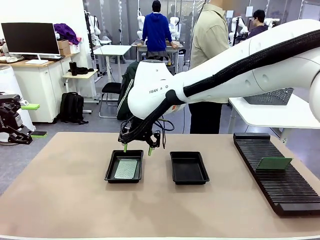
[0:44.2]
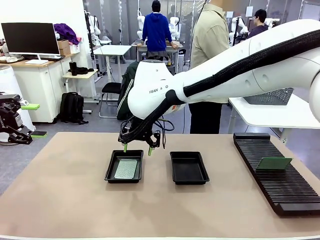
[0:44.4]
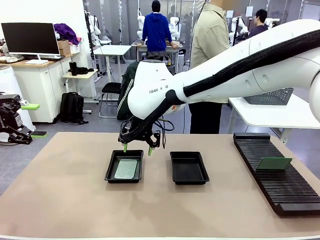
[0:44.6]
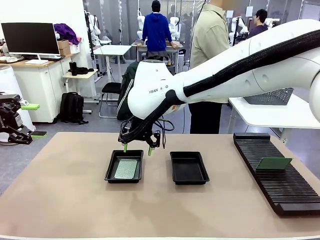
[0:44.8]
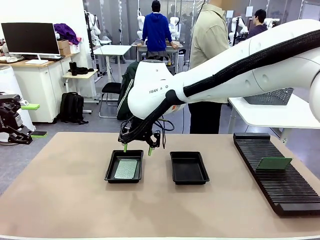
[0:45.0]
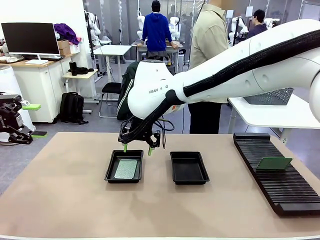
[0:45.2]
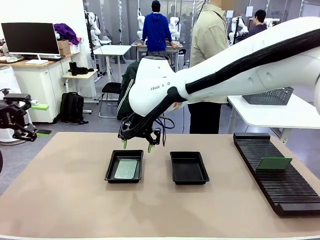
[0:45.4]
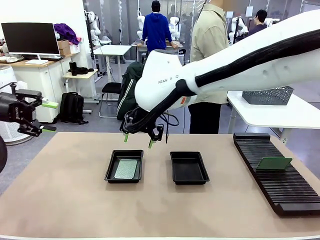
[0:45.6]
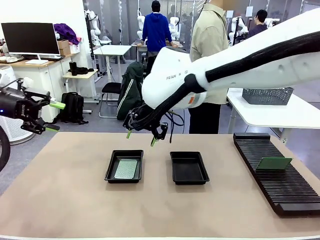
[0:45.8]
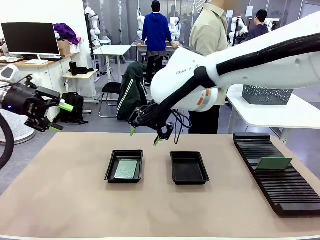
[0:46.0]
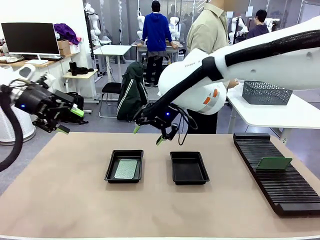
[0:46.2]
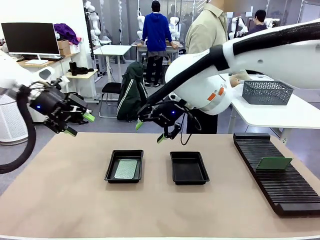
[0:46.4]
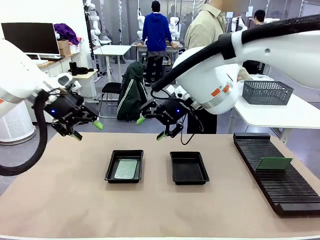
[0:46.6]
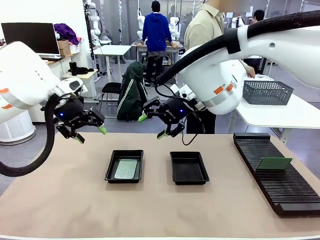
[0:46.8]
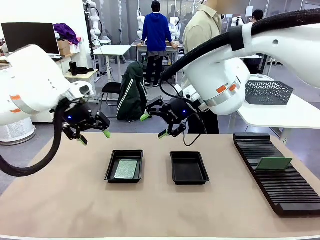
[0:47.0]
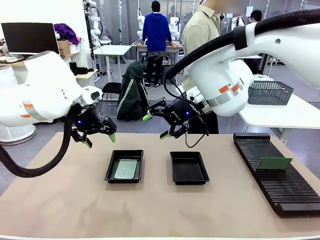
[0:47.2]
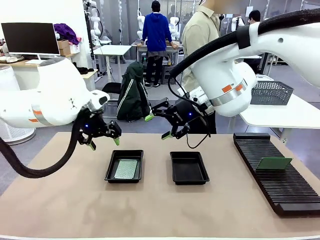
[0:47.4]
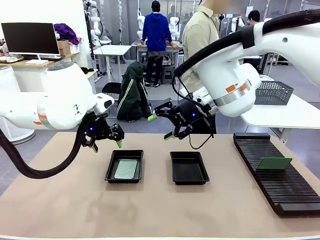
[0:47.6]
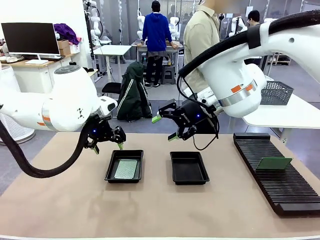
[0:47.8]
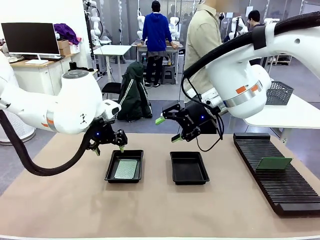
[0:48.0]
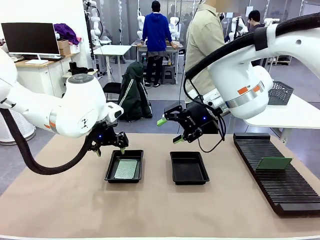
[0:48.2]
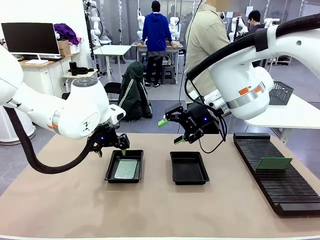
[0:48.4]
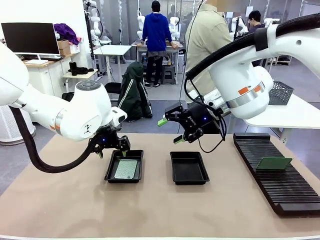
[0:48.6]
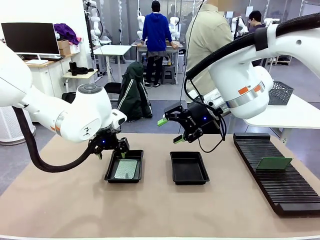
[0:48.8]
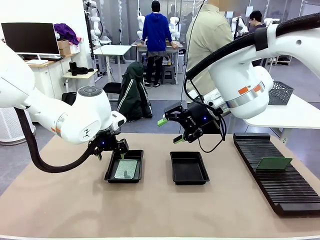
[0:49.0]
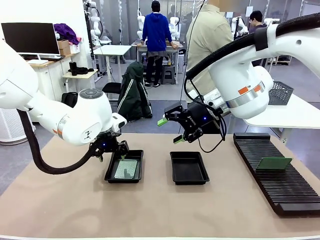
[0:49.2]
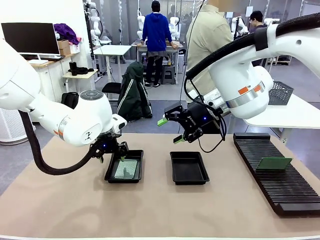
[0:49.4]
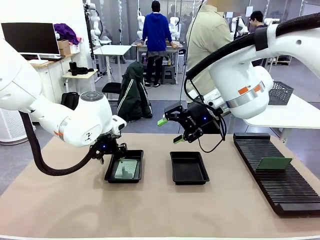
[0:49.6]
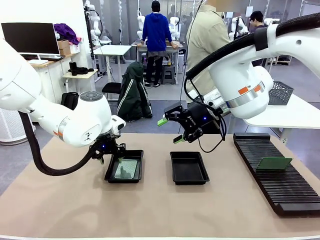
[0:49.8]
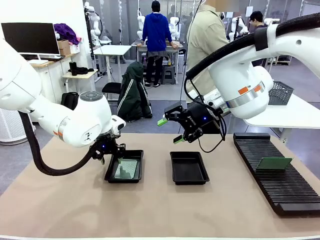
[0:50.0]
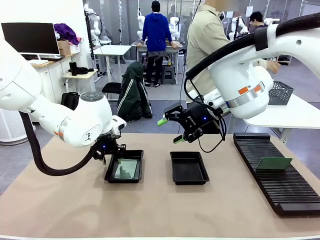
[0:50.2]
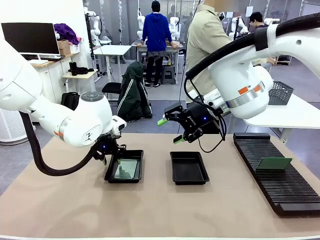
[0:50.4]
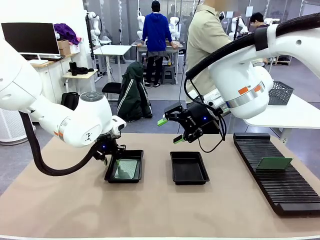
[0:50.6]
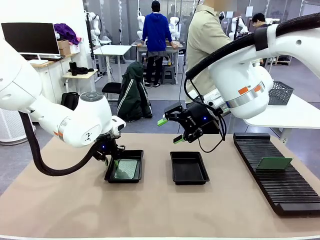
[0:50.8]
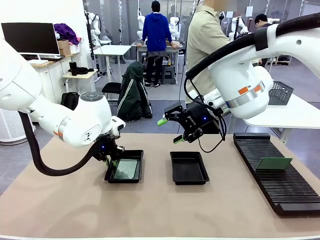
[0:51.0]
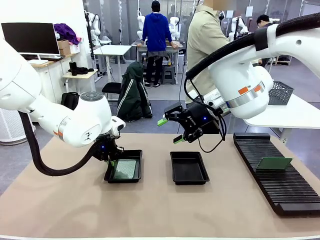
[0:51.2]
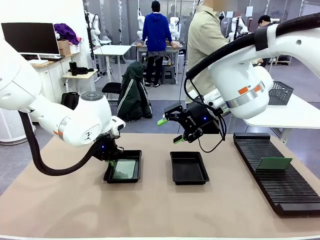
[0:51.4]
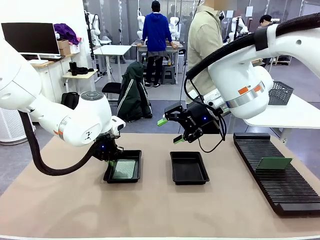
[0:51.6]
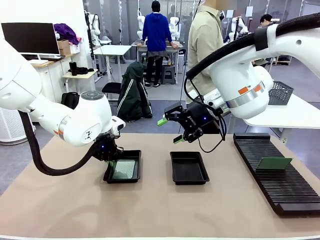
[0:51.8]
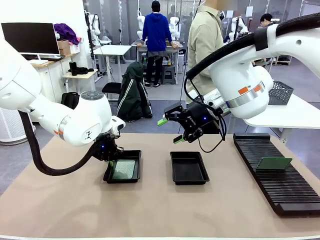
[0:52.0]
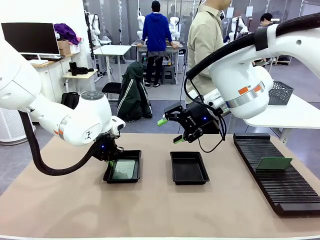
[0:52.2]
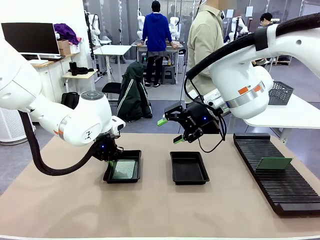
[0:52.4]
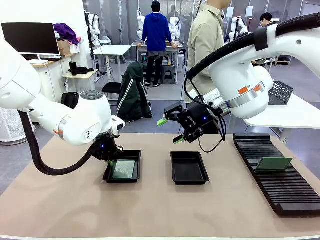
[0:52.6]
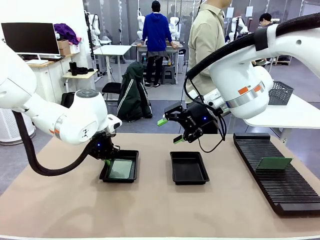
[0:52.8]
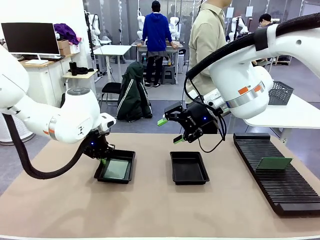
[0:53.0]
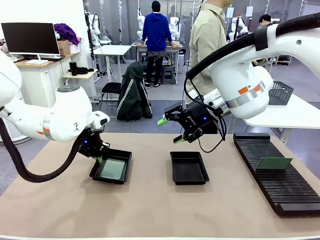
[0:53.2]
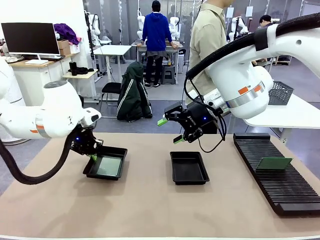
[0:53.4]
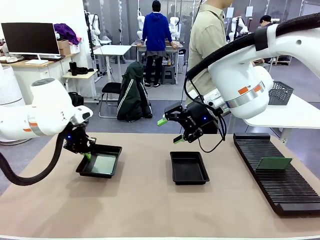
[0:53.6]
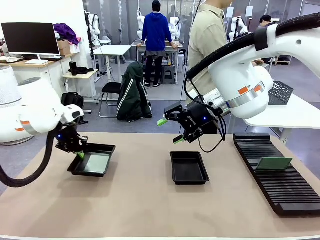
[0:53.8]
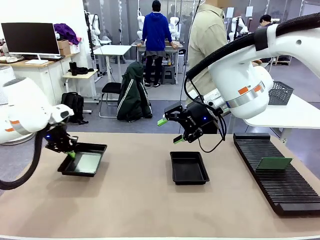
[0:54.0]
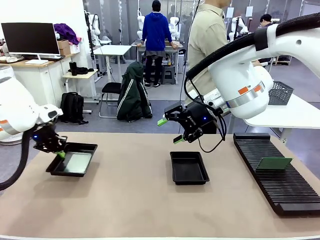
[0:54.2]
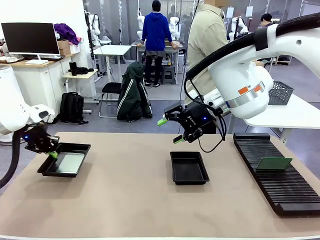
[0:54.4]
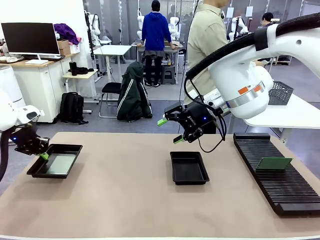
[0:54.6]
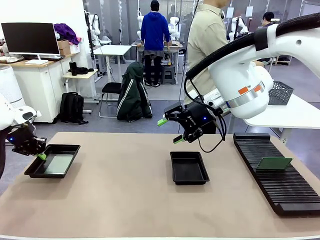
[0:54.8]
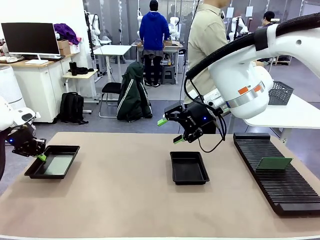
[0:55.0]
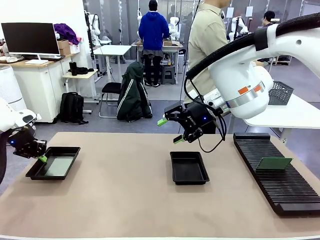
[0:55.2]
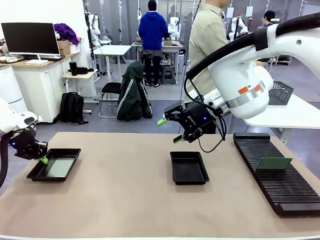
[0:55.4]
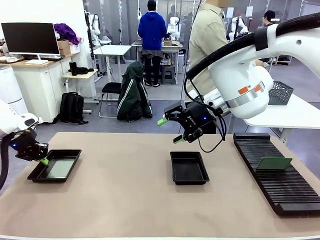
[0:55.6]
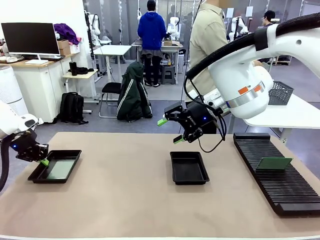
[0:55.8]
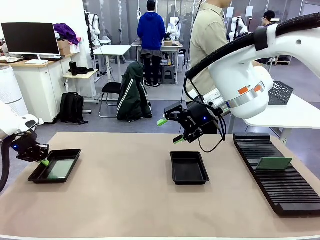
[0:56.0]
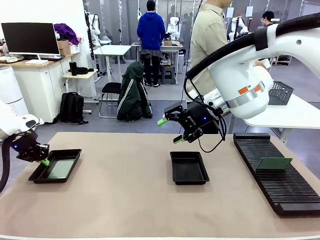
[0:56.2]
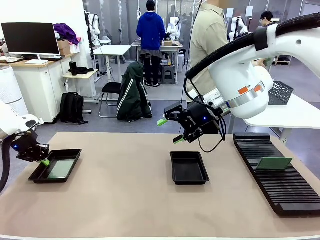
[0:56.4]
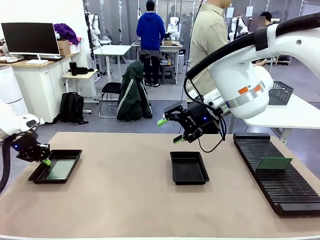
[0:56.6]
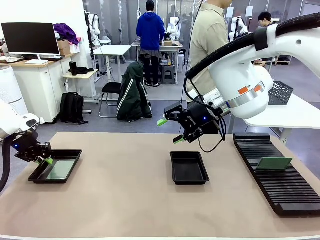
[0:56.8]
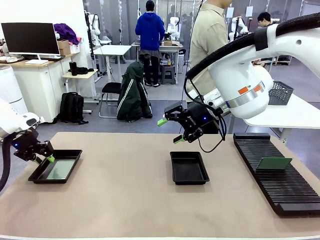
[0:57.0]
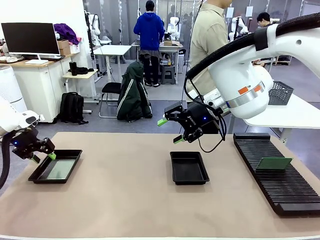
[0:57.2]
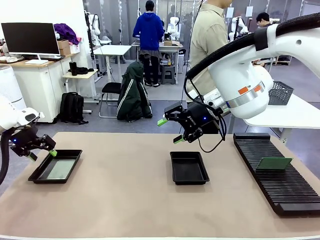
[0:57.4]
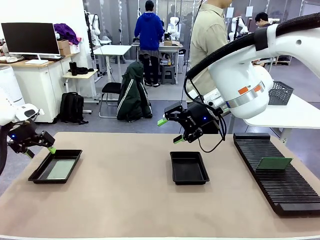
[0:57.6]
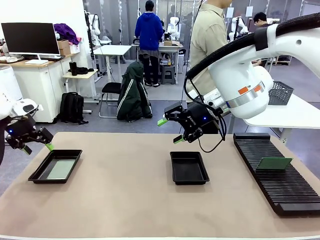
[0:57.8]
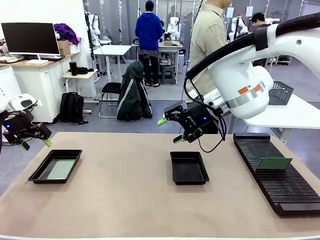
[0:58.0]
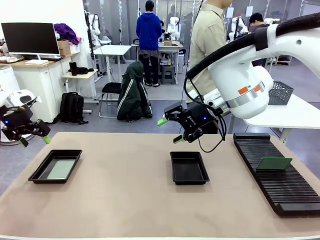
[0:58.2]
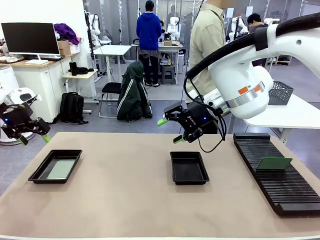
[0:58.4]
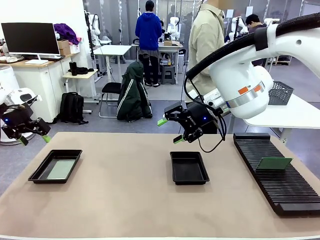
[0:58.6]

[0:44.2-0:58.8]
Task: Inspect and transfer BCBs to ESD trays.
Robot: Pick up the ESD tray and place it on the left side of the table.

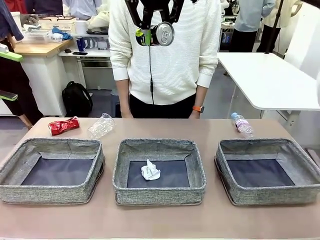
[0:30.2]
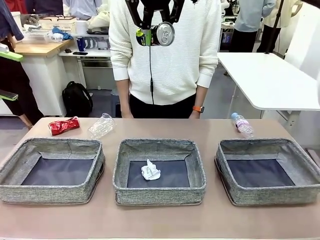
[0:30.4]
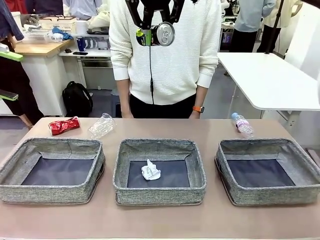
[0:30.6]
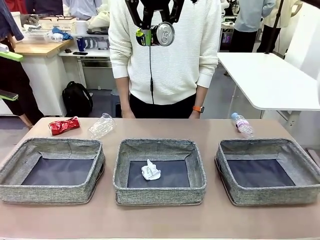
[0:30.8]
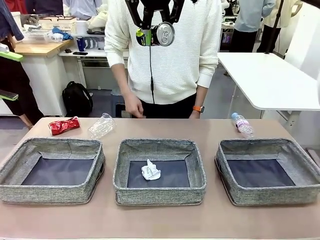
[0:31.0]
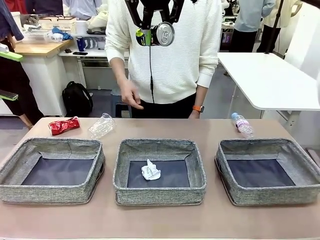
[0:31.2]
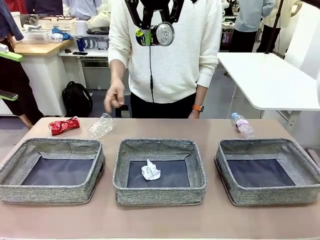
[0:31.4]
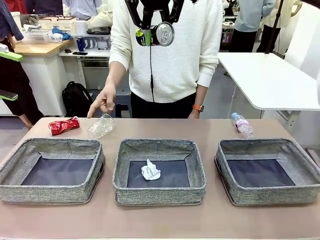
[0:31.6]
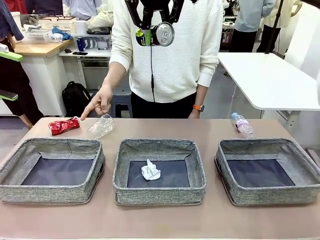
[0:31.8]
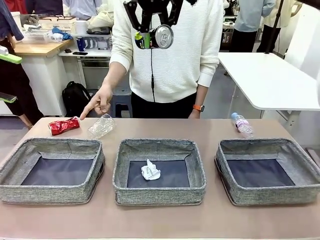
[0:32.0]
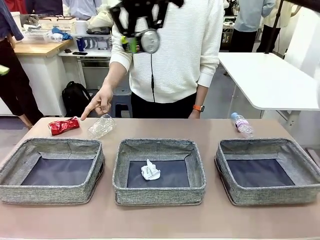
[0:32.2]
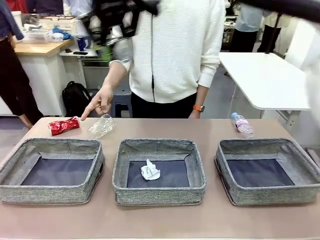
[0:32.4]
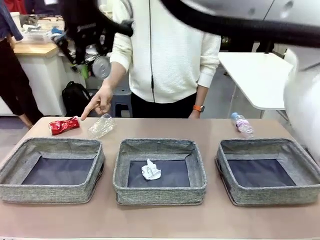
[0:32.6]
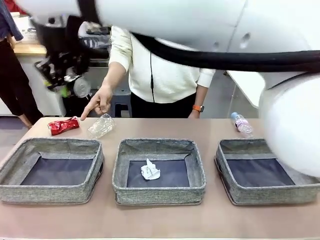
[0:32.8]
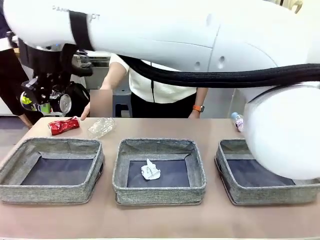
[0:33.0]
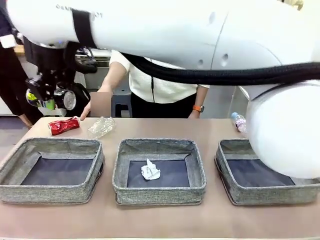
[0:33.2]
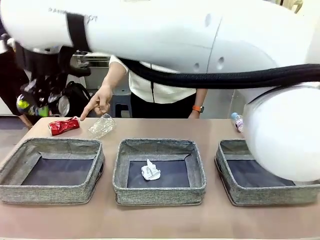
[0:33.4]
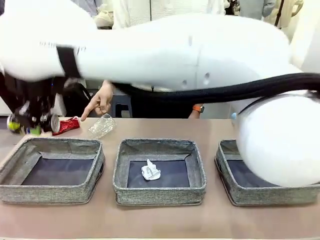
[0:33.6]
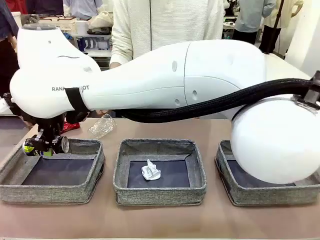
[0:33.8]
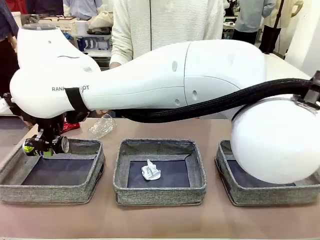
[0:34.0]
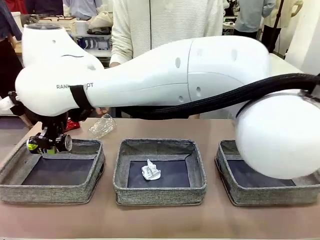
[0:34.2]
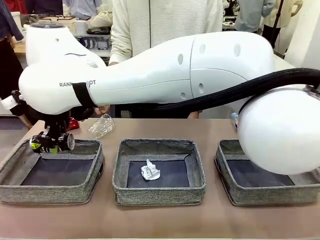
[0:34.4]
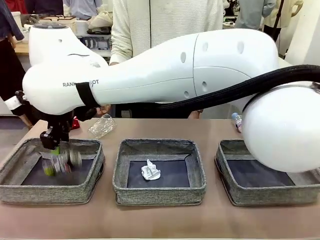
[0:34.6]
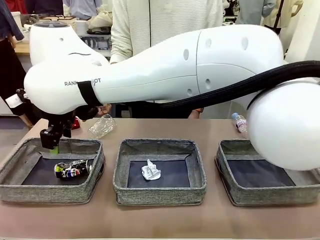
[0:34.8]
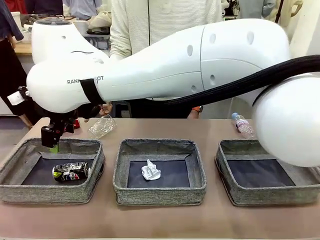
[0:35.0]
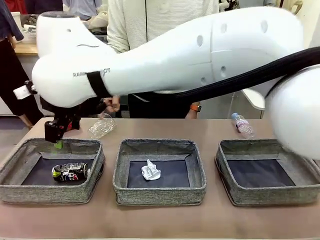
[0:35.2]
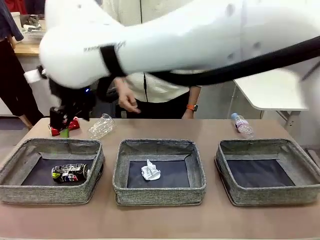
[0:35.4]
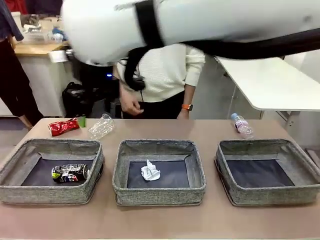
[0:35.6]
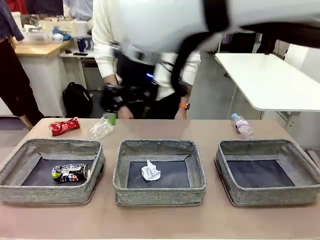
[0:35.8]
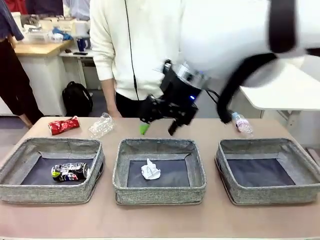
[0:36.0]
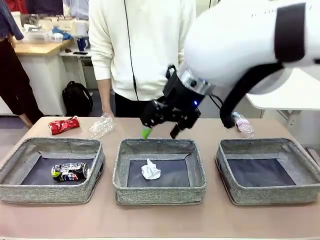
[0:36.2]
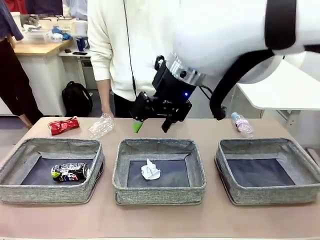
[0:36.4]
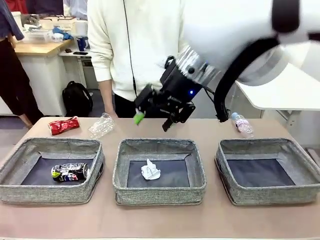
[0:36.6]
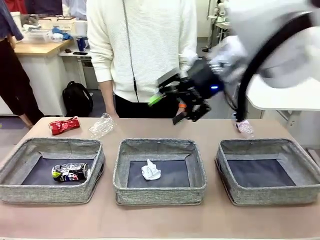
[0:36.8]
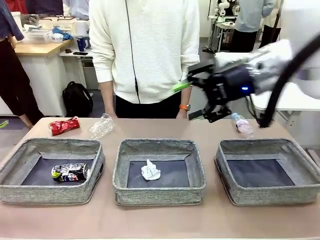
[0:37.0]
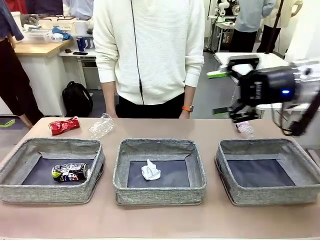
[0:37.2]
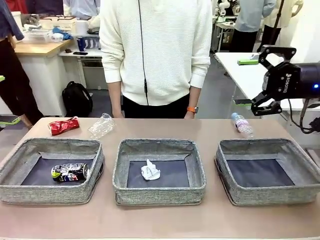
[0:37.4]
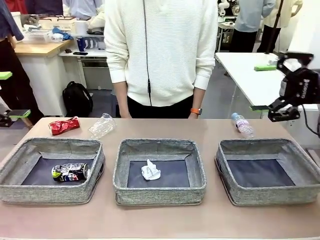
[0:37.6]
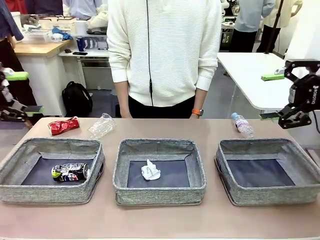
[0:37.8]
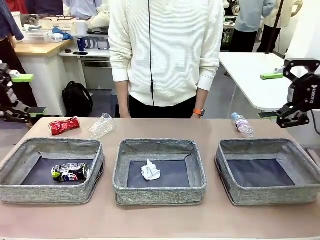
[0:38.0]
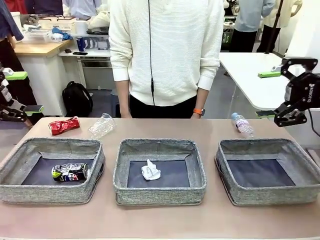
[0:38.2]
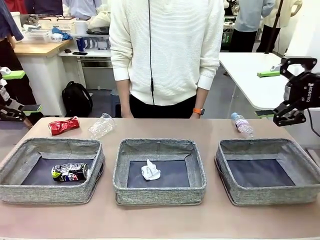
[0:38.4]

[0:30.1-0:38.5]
Task: Sort the waste into the appropriate baskets.
Robot: Place the picked waste into the Fabric basket indicated by the person.
Person: Instructs the robot to place the picked-up trash into the appropriate organizing basket.
